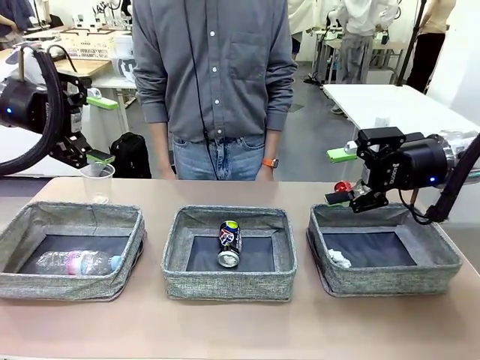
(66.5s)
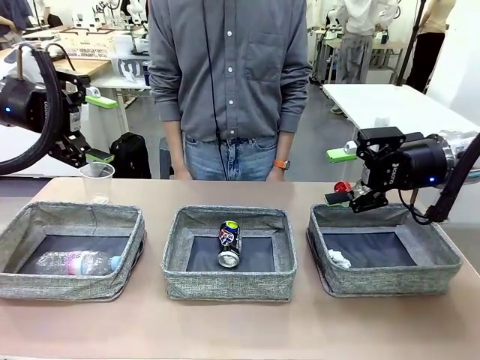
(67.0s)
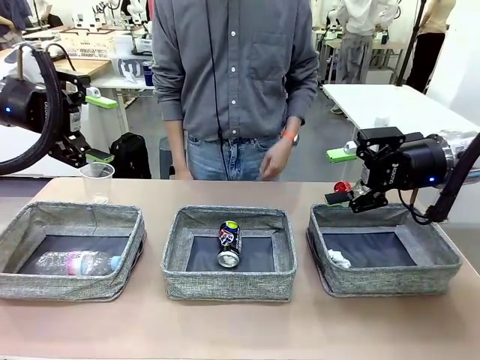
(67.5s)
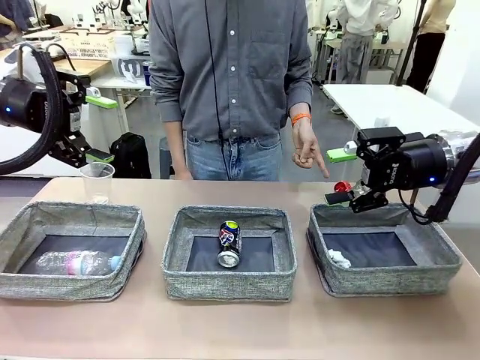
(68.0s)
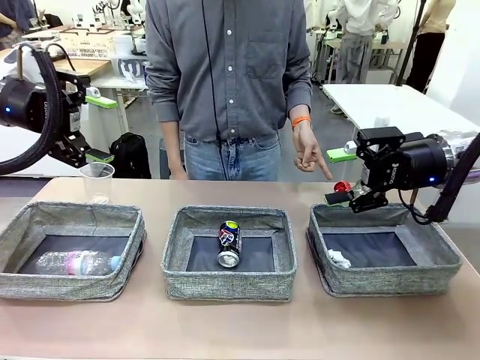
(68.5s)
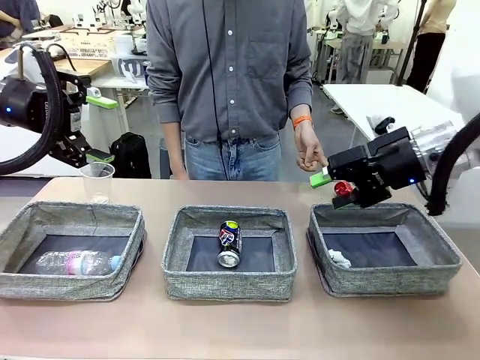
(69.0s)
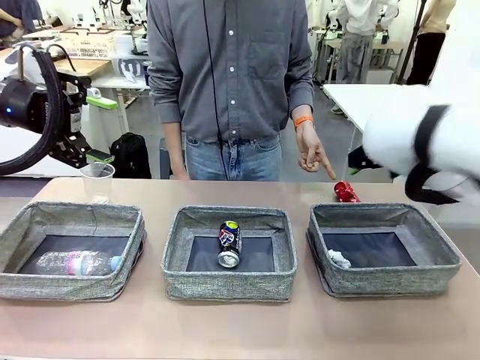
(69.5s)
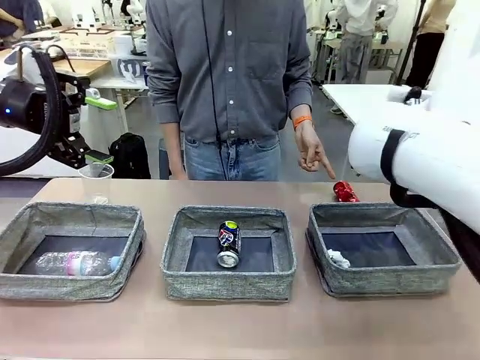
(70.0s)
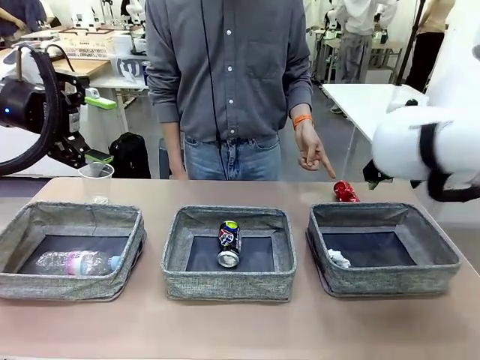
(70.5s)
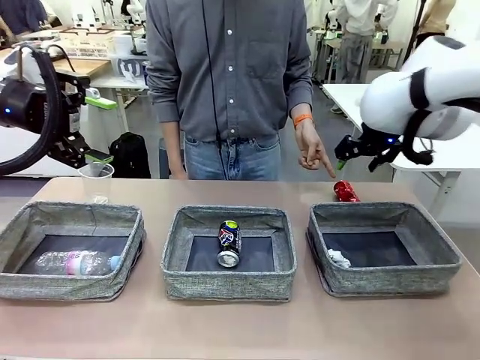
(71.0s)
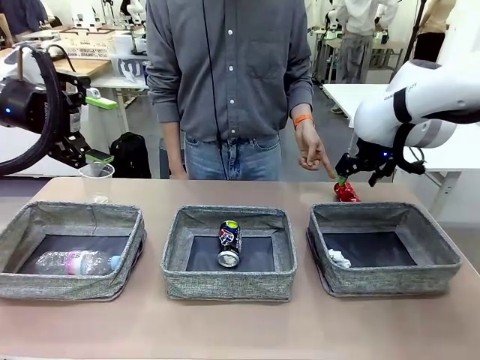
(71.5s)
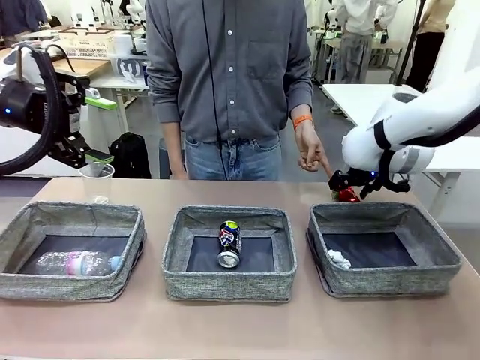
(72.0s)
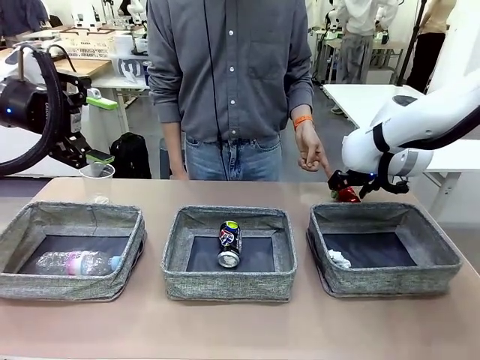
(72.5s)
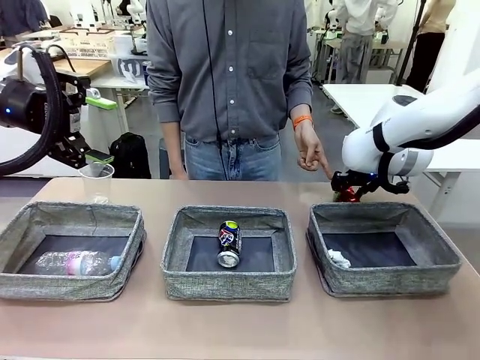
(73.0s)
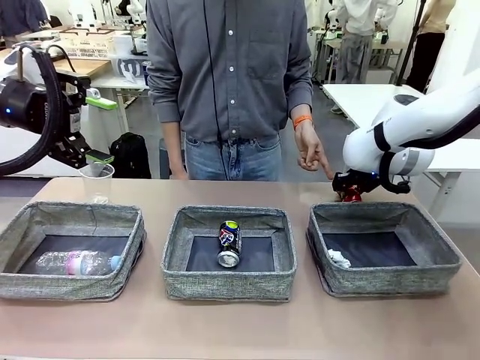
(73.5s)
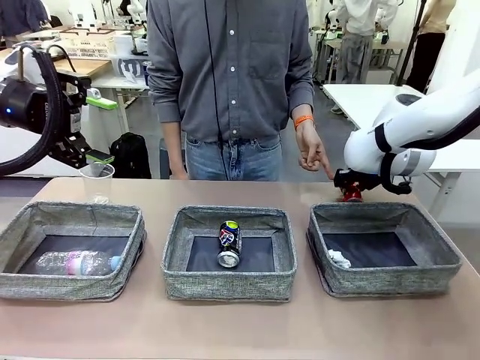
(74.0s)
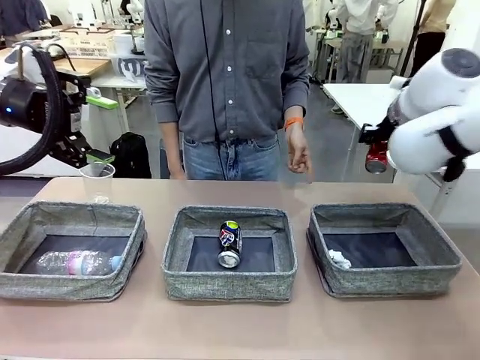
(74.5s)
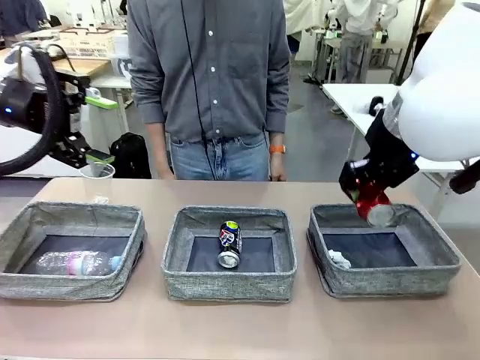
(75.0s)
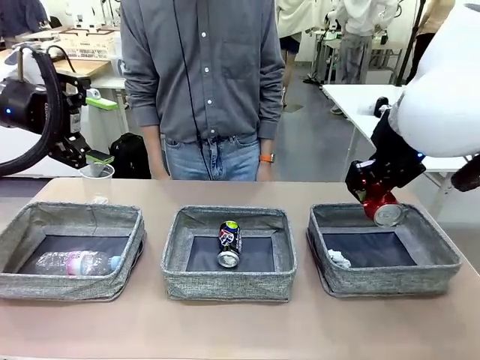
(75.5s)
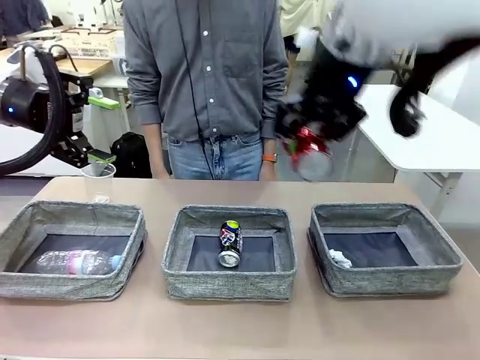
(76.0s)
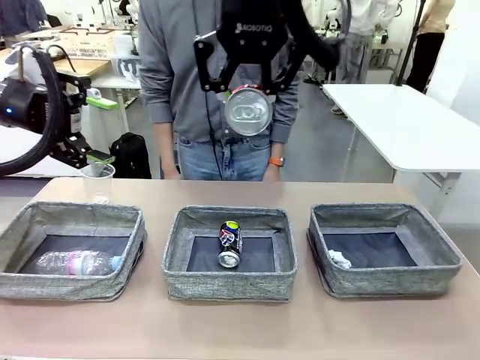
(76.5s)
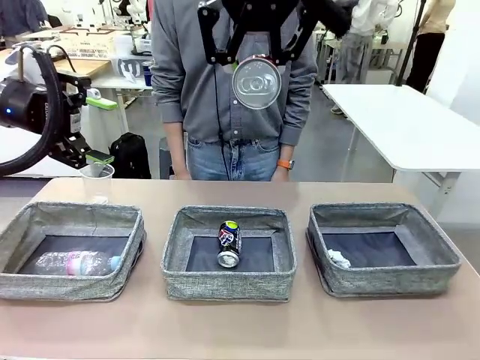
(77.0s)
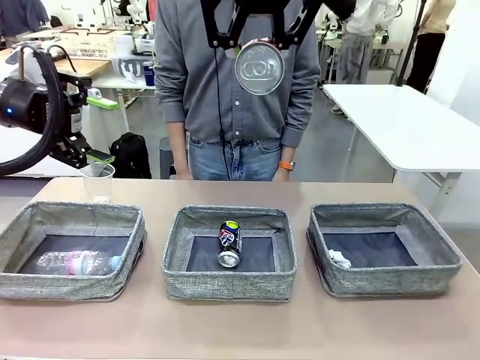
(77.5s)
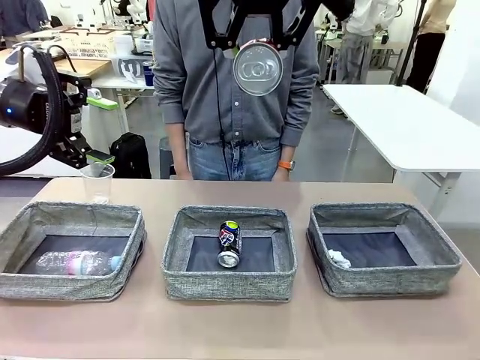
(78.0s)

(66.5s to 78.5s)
Task: Sort the waste into the appropriate baskets.
Robot: Pick up the waste item pointed out by the person.
Person: Points to one piece of trash on the table.

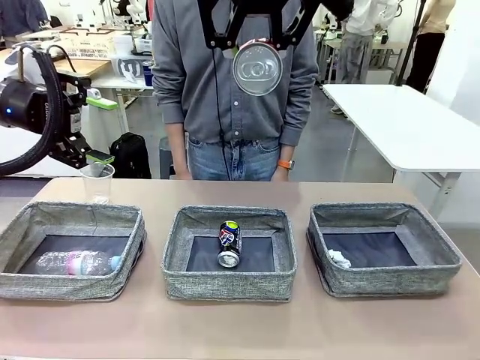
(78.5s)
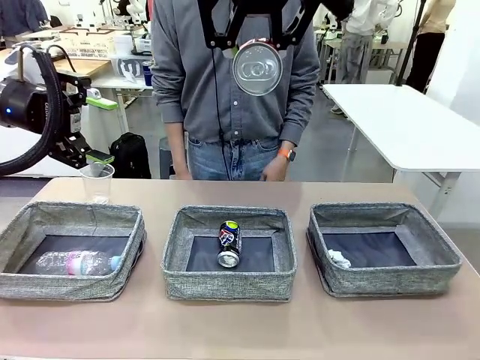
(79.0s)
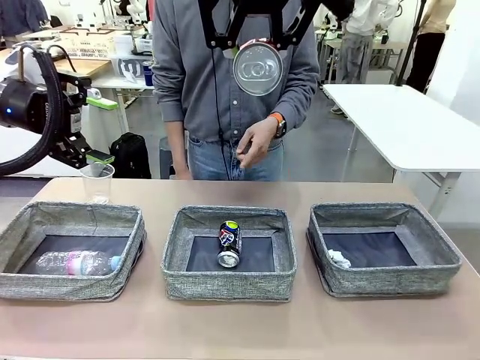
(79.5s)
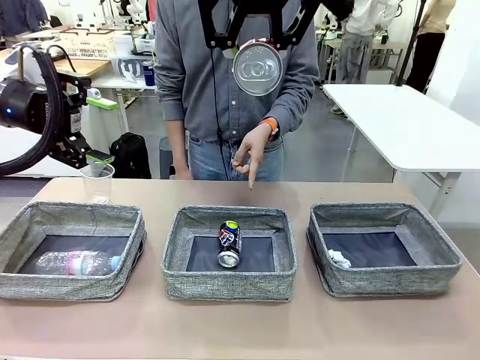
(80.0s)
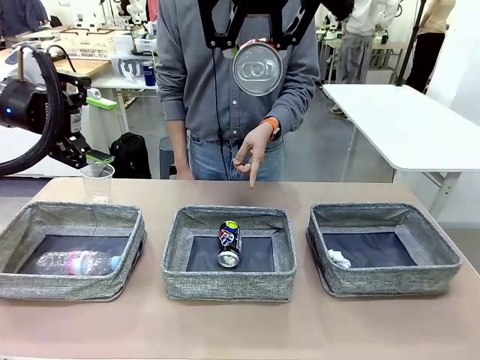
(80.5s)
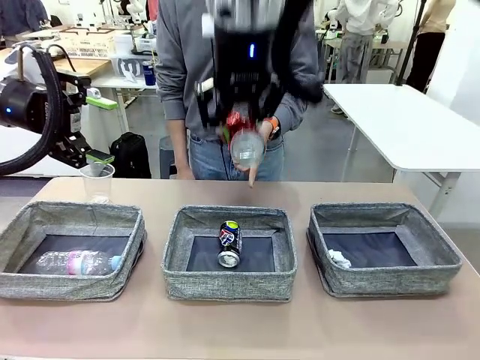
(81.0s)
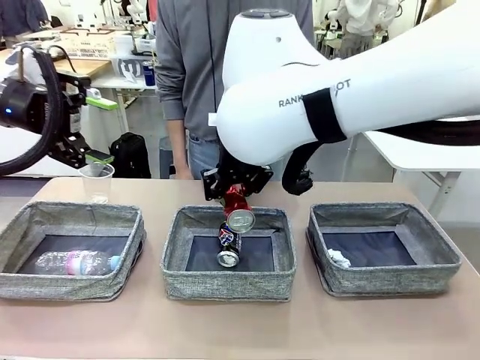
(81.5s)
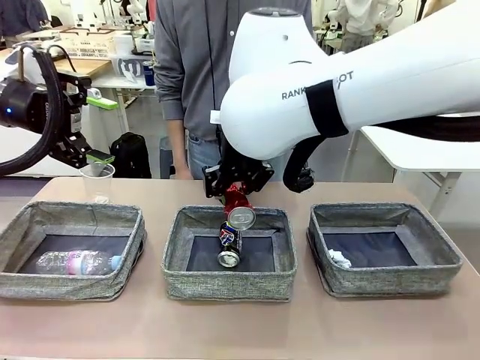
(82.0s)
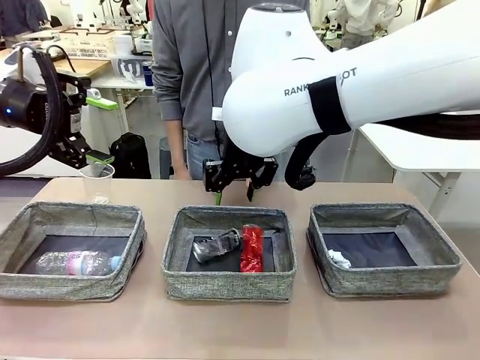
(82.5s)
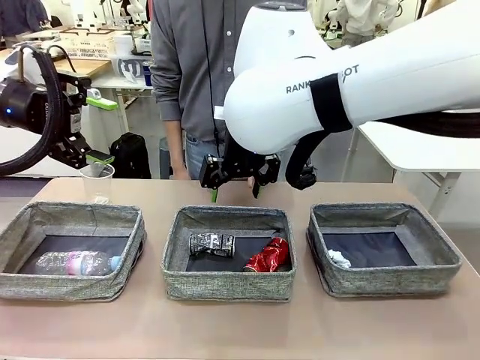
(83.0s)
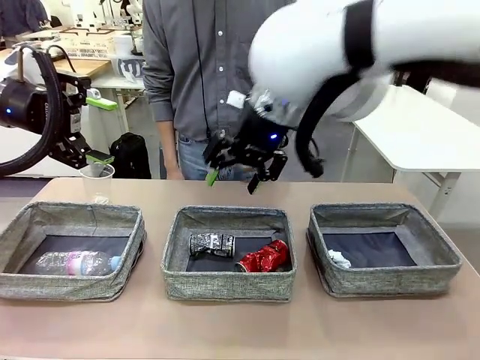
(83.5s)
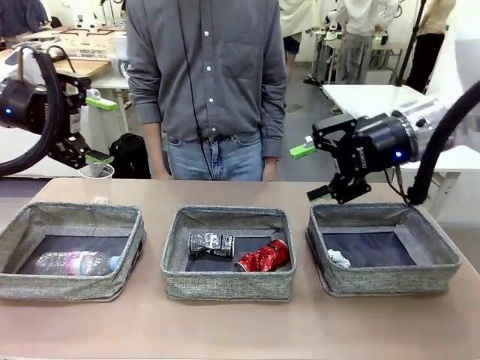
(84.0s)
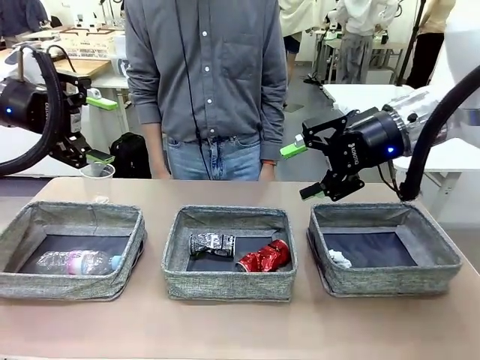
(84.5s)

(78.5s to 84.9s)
Robot: Place the picked waste into the Fabric basket indicated by the person.
Person: Instructs the robot to place the picked-up trash into the appropriate organizing basket.

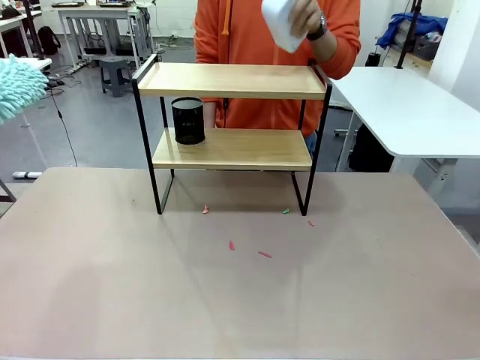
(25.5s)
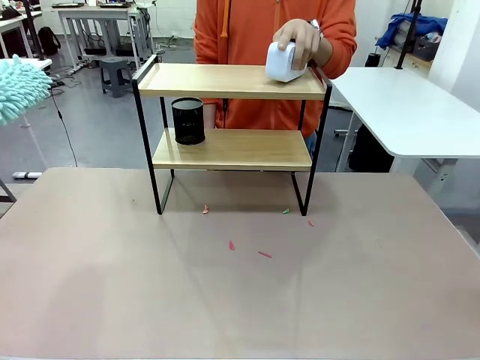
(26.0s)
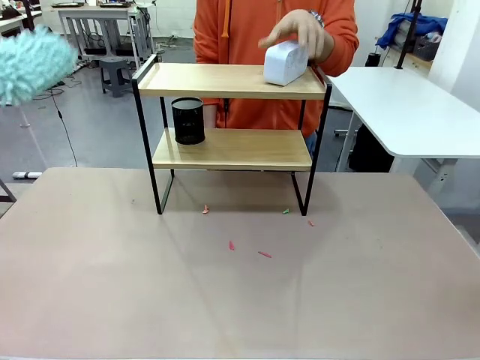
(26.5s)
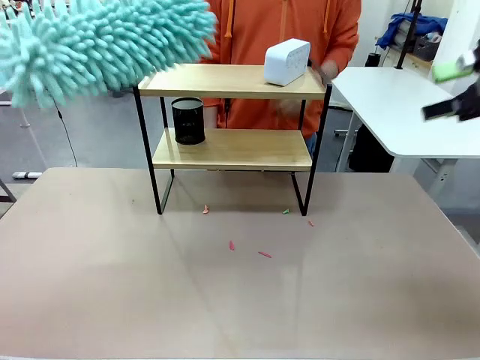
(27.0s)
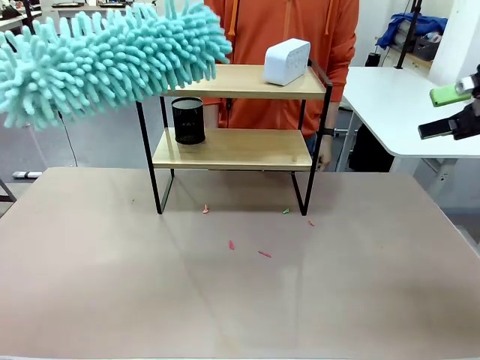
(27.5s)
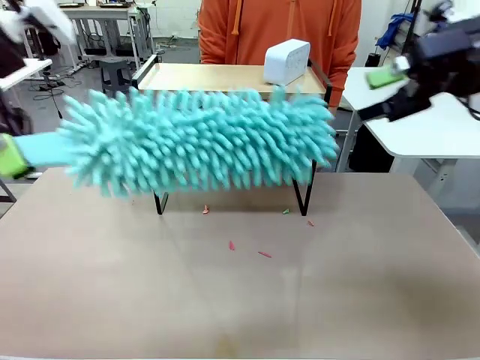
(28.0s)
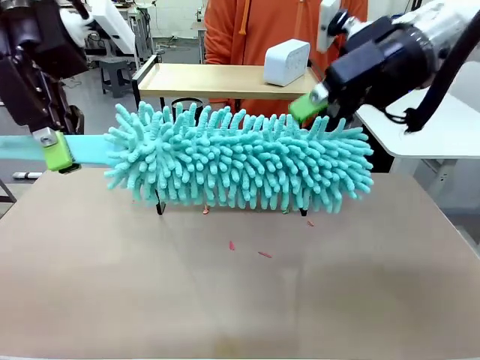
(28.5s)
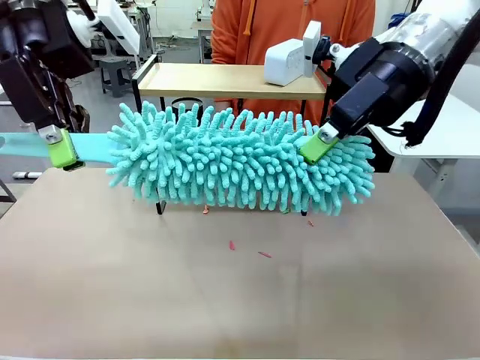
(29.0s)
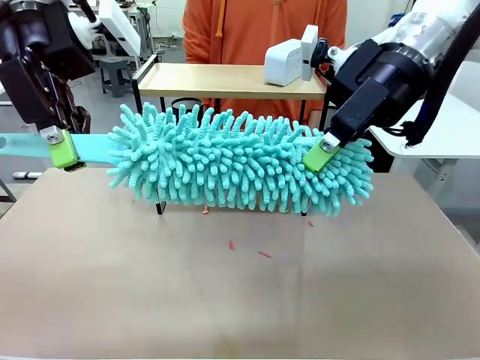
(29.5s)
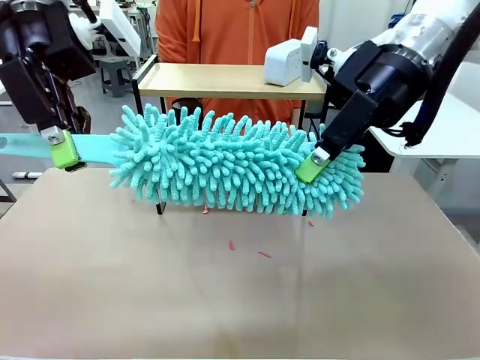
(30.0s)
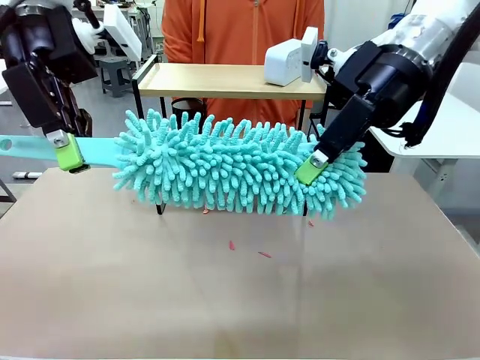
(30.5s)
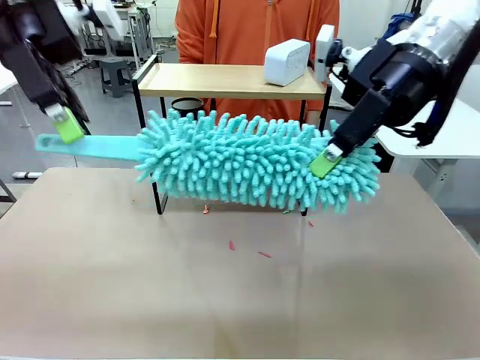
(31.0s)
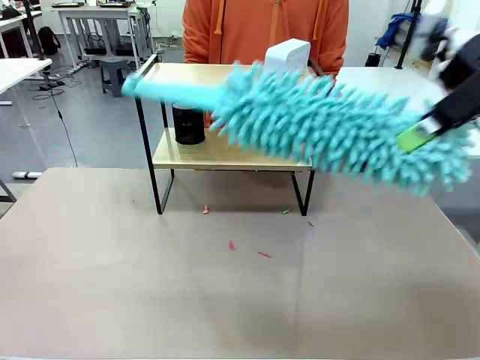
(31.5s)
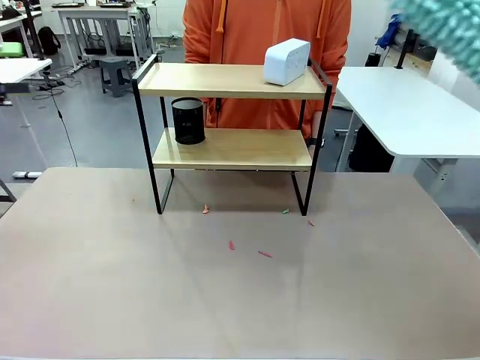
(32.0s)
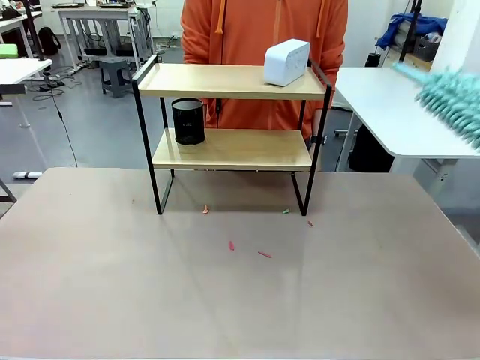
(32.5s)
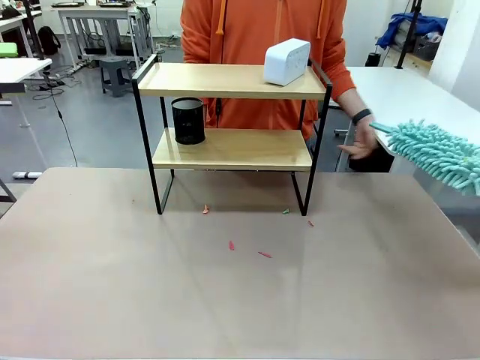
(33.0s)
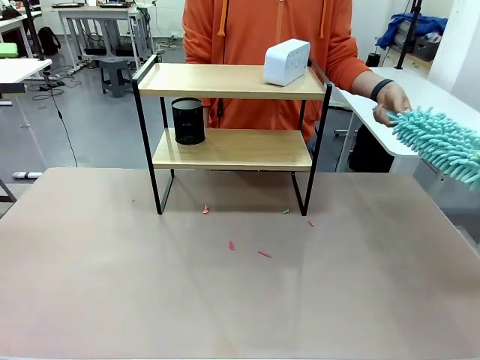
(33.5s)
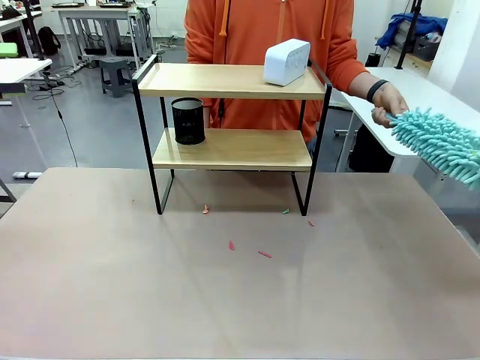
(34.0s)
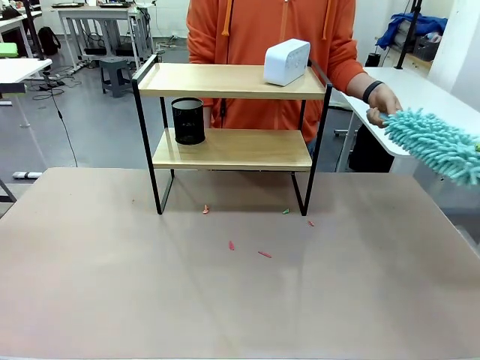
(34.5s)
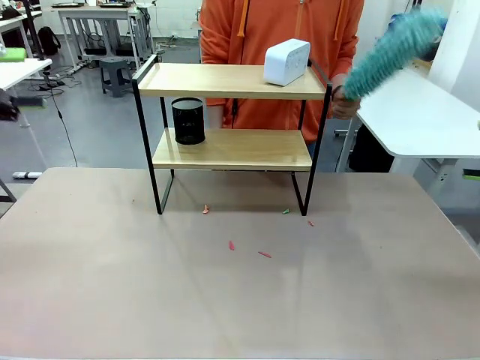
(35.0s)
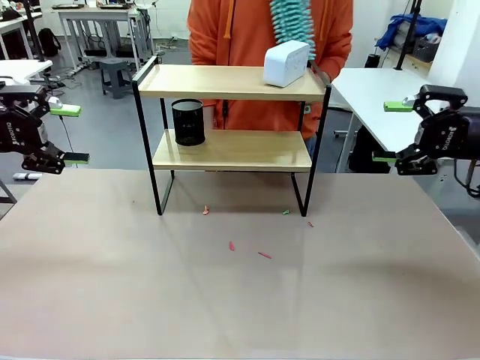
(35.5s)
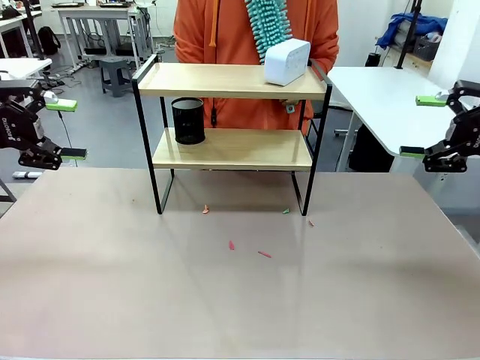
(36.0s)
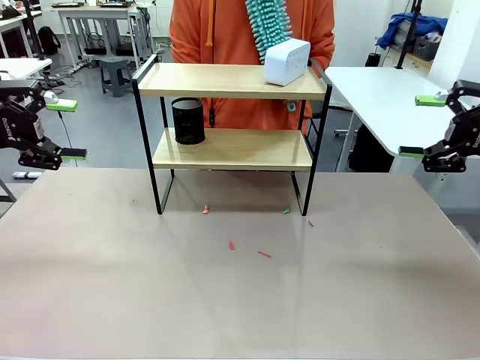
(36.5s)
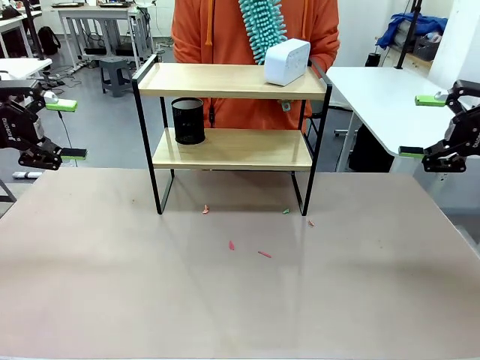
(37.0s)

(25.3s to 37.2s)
Task: Clean the shelf.
Robot: Hand the Duster back to the human.
Person: Receive the Duster from the robot.
